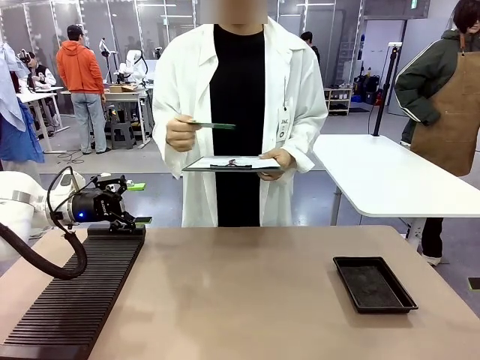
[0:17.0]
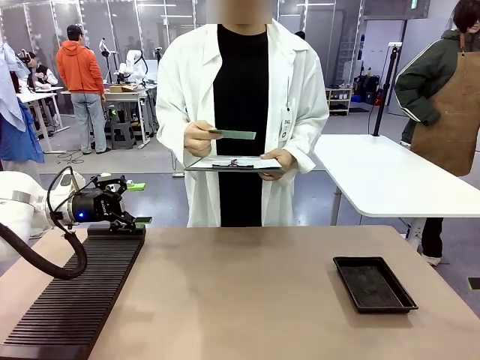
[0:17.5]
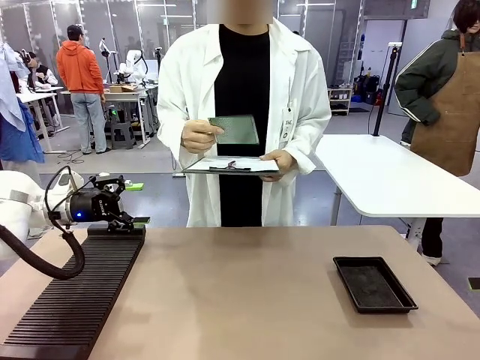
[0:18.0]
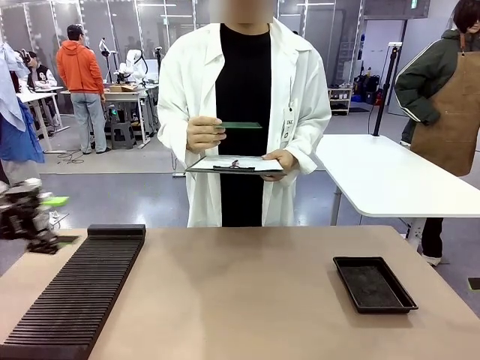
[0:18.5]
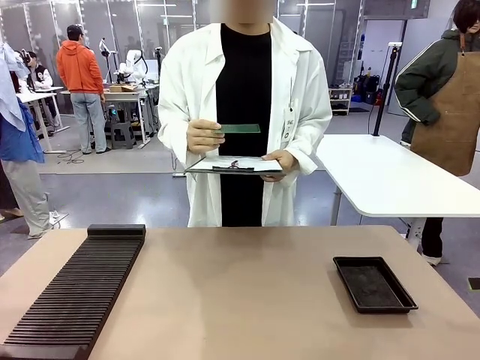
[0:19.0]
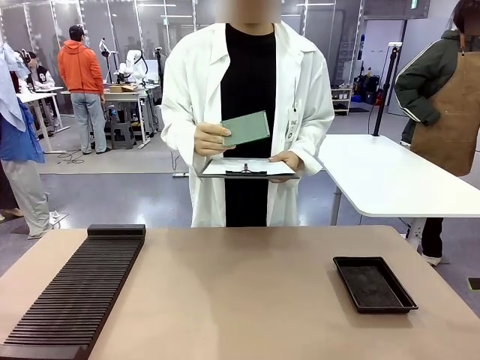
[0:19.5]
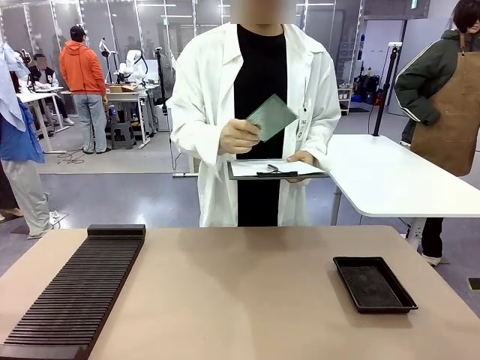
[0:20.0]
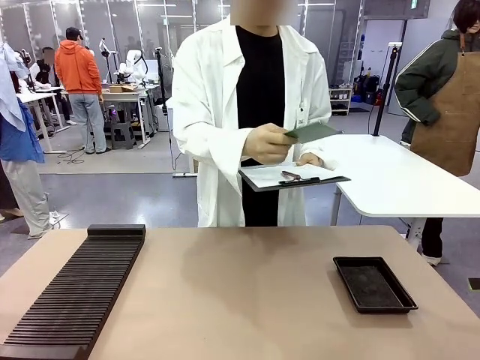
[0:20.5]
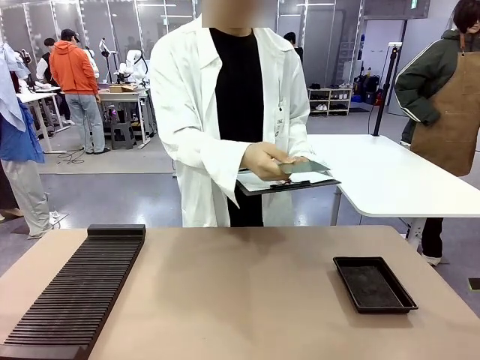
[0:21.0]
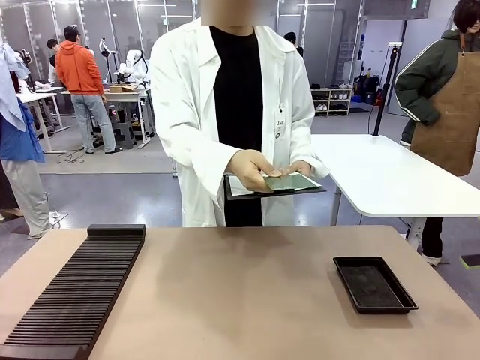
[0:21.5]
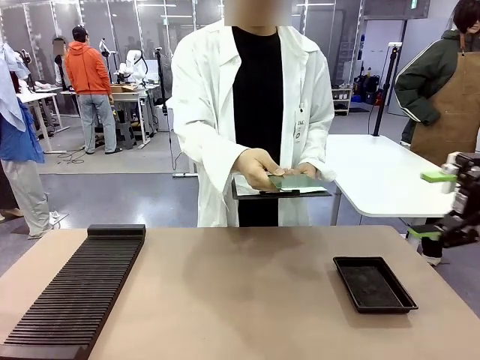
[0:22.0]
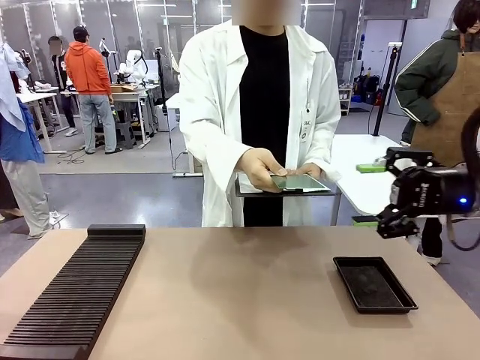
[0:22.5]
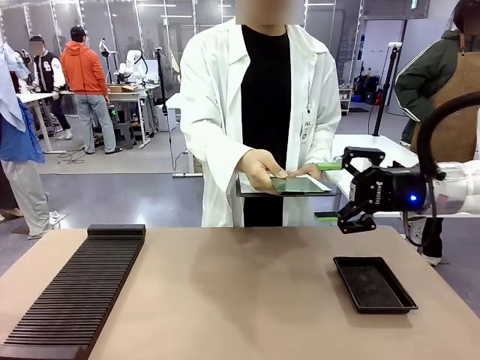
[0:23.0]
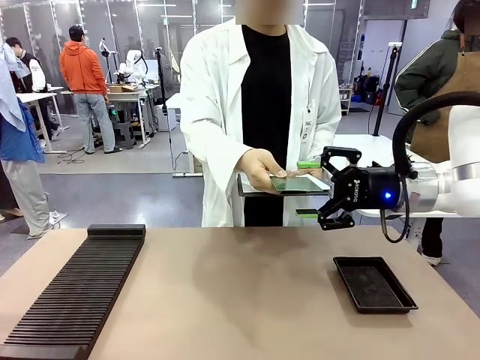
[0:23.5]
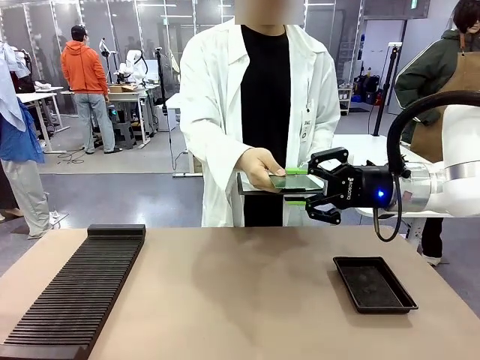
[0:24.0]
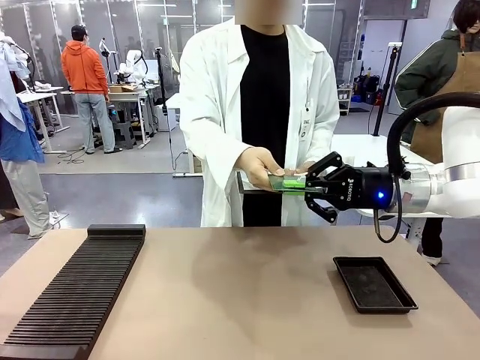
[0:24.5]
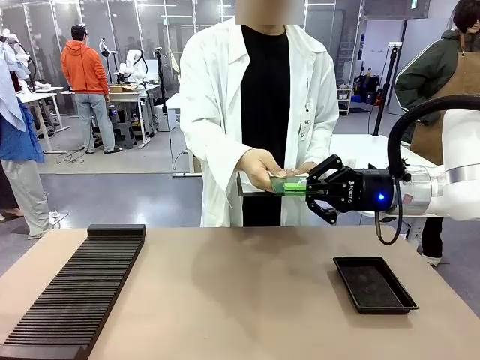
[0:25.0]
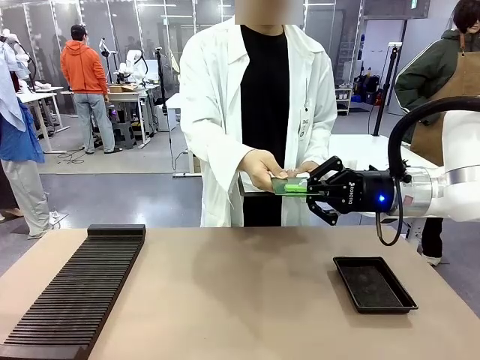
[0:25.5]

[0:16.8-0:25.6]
Task: Inspect the PCB.
Robot: Pick up the Blank PCB that the human is holding.
Person: Inspect the PCB placed by the robot, then hold it out in front of the robot. Release the PCB you were holding.

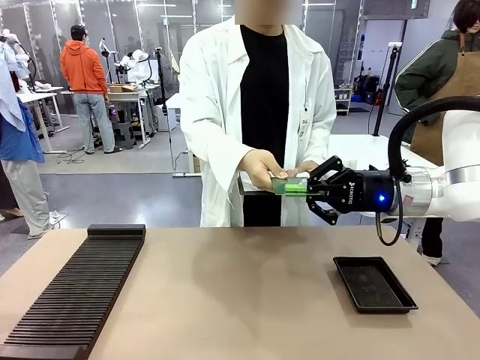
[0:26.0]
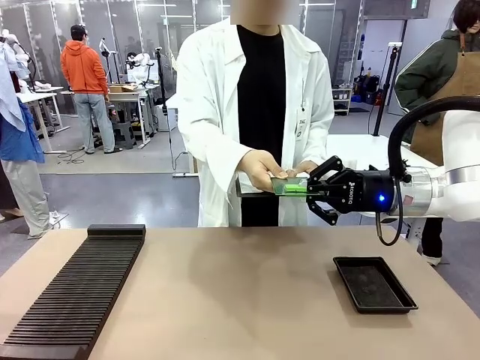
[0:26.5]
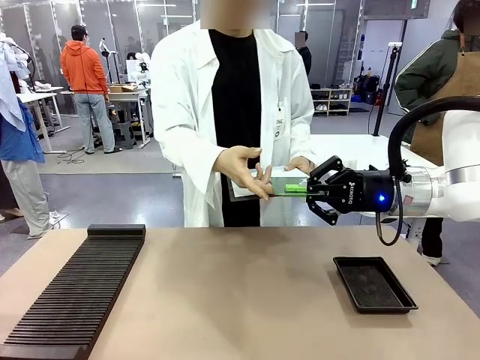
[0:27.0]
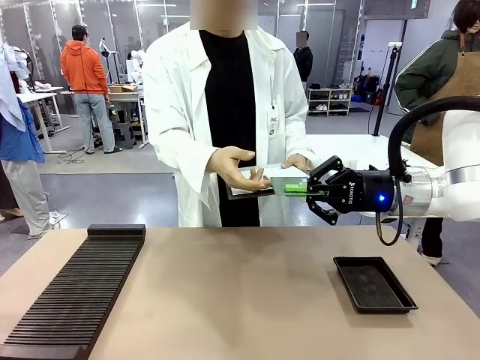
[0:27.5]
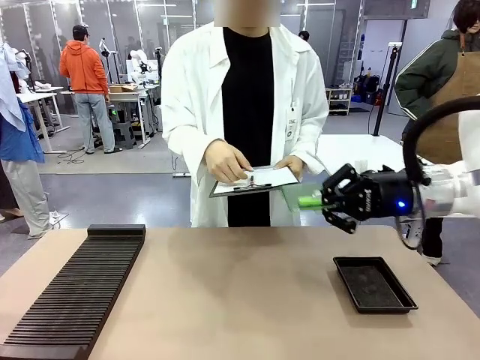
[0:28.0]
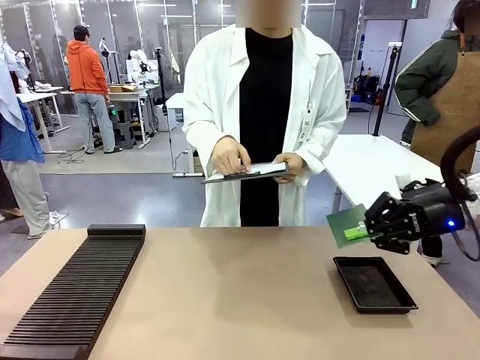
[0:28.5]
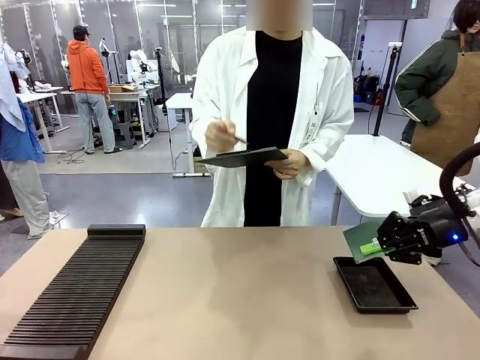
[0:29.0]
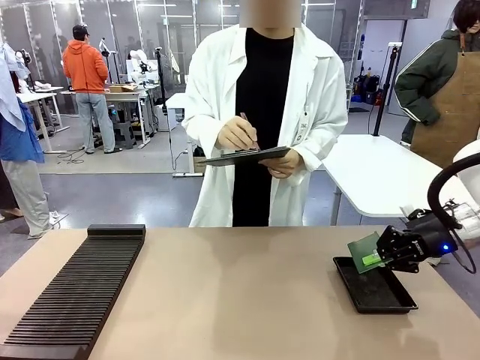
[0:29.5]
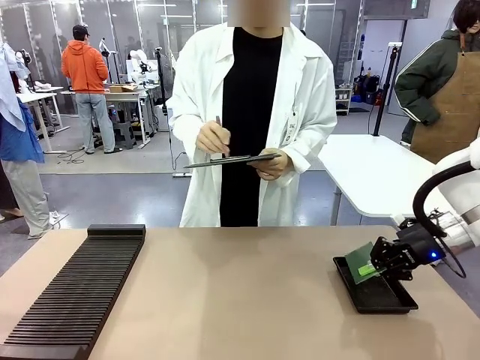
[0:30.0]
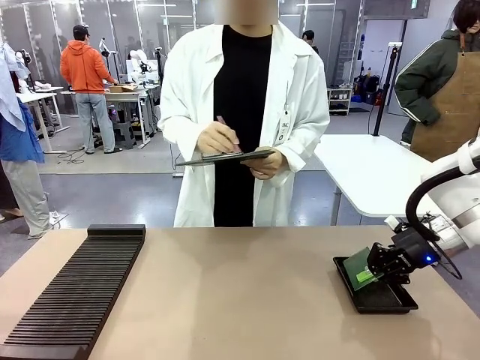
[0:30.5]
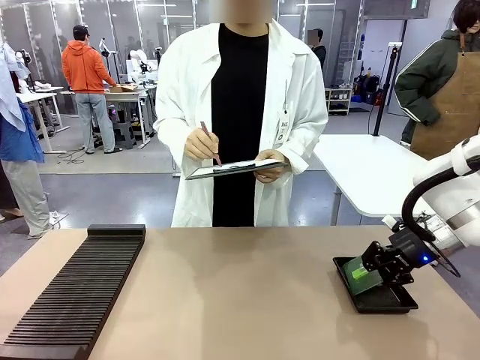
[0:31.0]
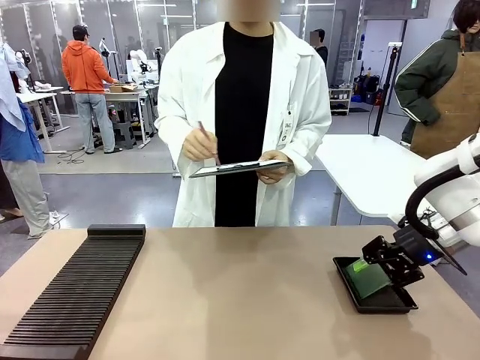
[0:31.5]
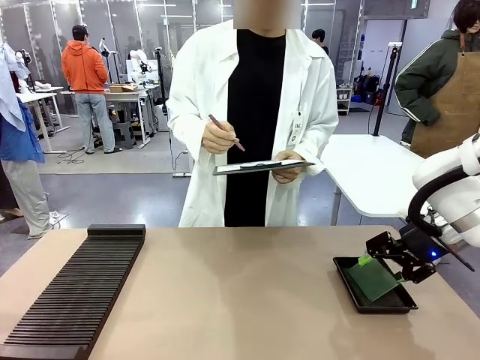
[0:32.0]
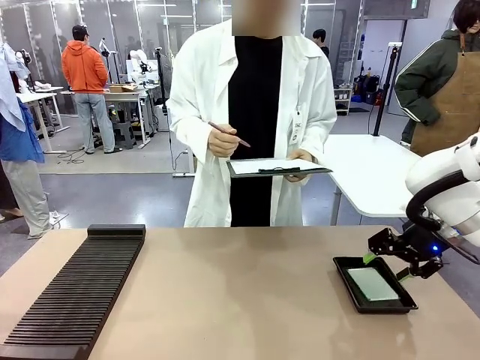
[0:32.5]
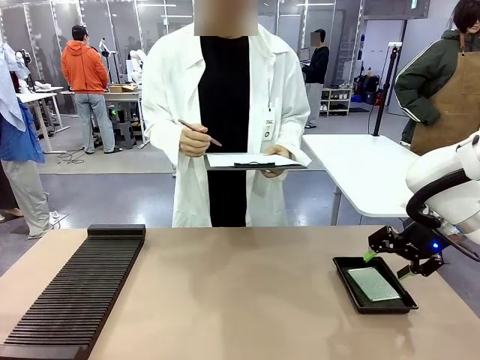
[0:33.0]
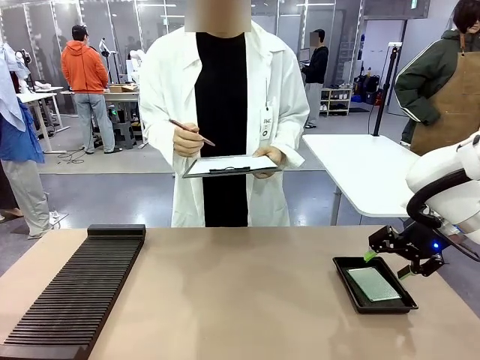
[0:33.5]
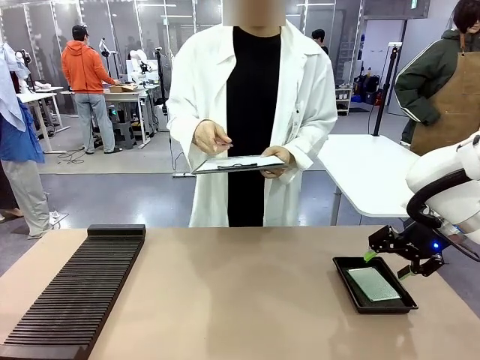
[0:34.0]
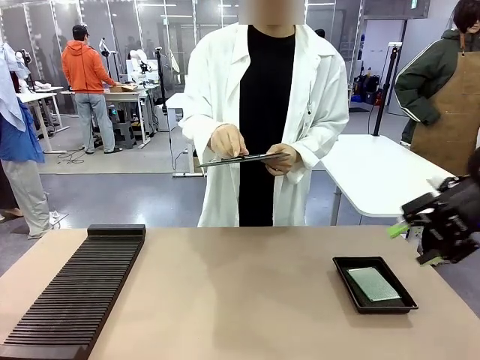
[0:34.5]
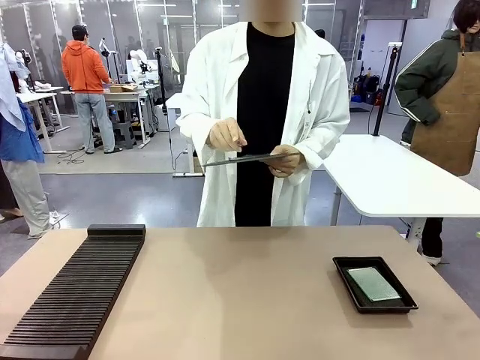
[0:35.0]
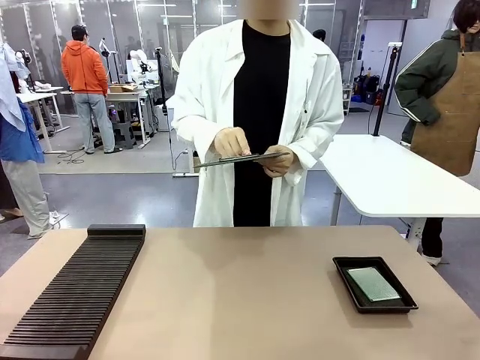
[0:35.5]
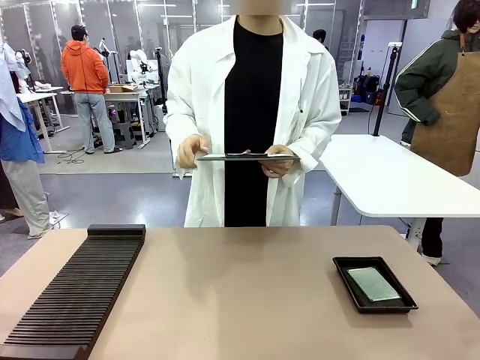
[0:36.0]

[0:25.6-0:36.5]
Robot: Place the Blank PCB in the ESD tray.
Person: Record the PCB status on the paper.

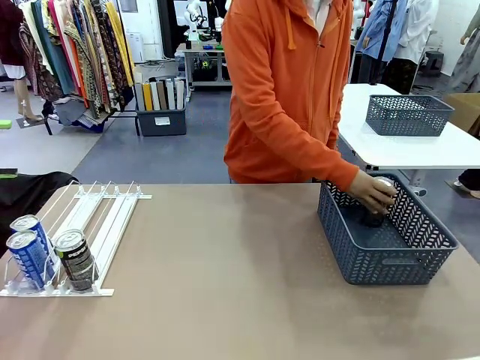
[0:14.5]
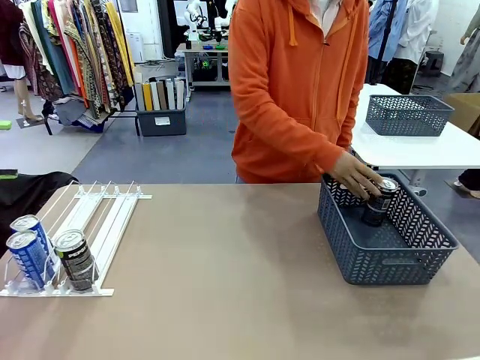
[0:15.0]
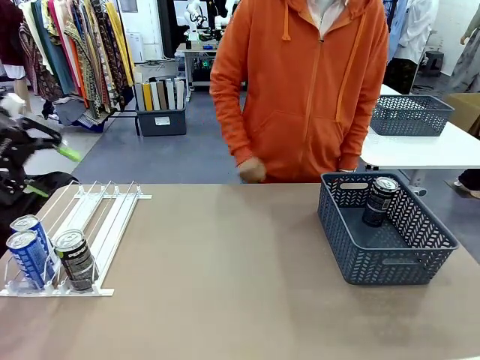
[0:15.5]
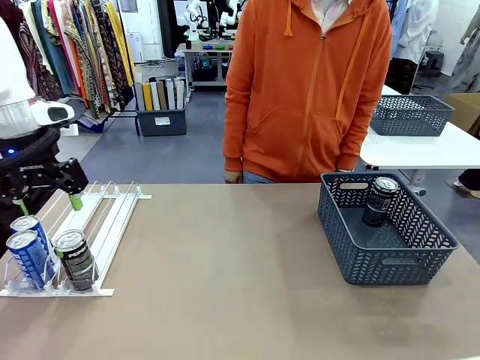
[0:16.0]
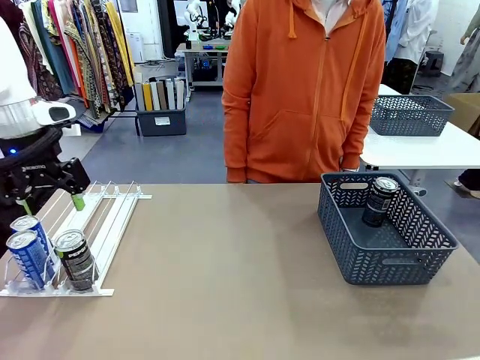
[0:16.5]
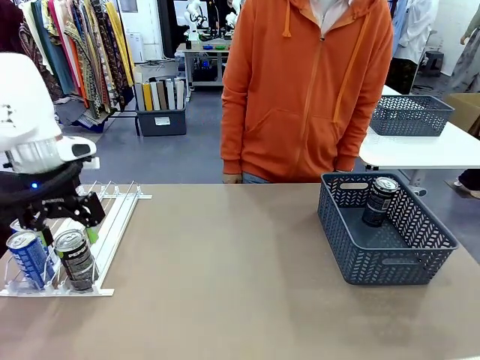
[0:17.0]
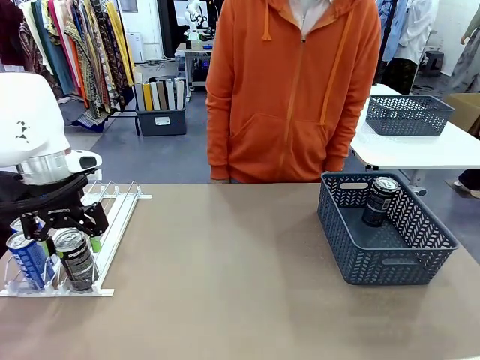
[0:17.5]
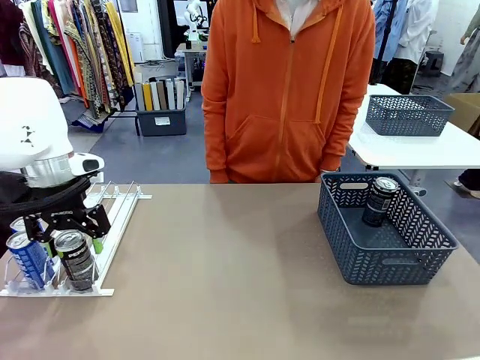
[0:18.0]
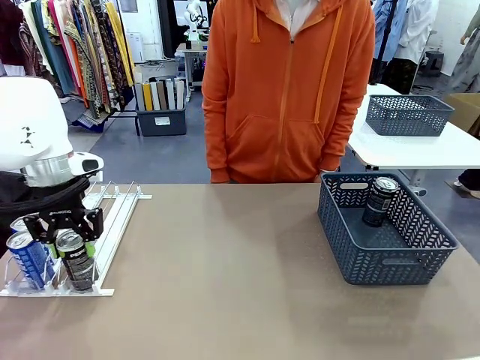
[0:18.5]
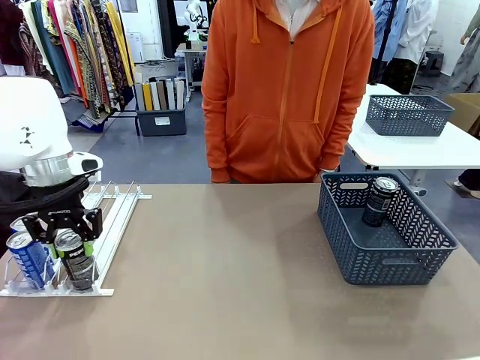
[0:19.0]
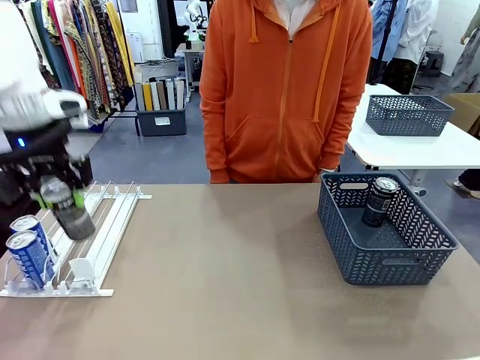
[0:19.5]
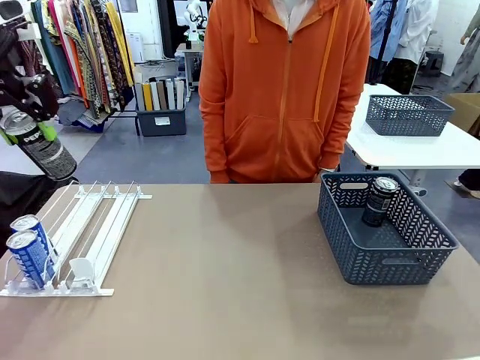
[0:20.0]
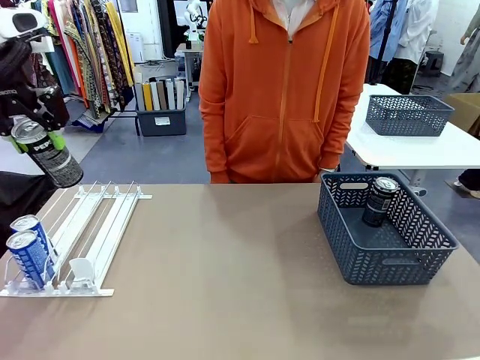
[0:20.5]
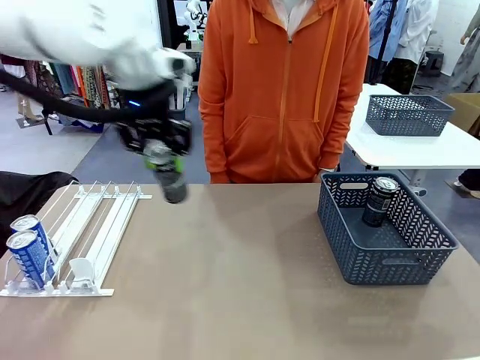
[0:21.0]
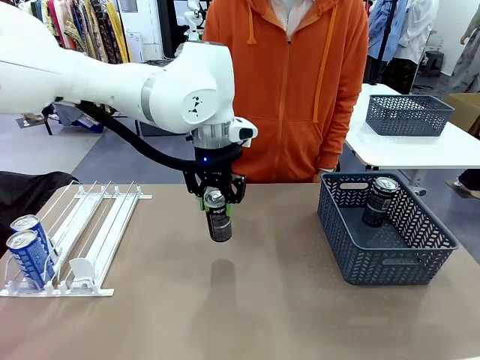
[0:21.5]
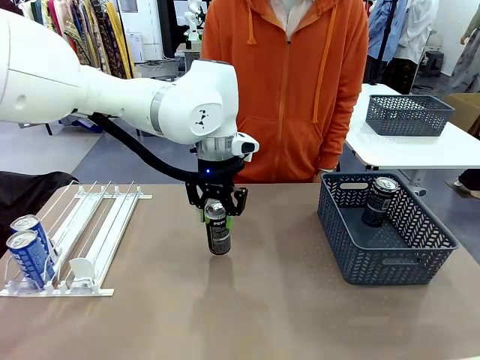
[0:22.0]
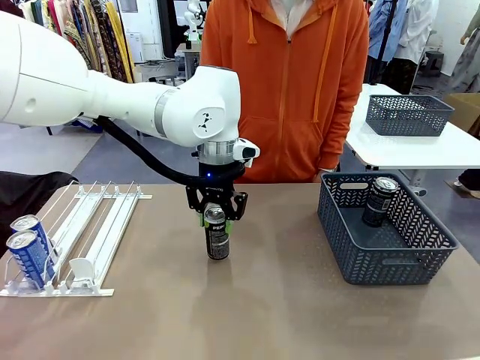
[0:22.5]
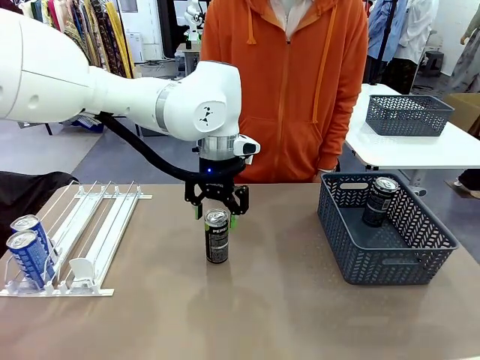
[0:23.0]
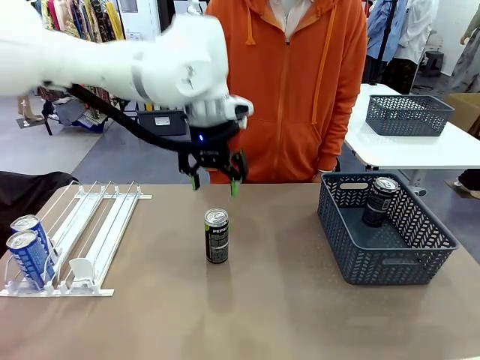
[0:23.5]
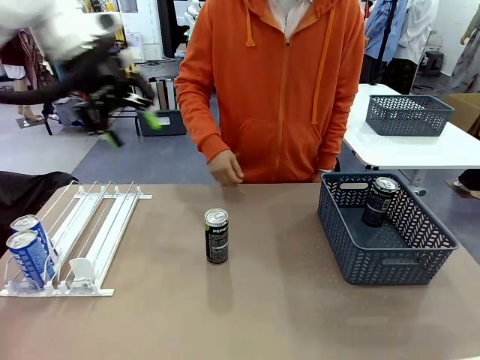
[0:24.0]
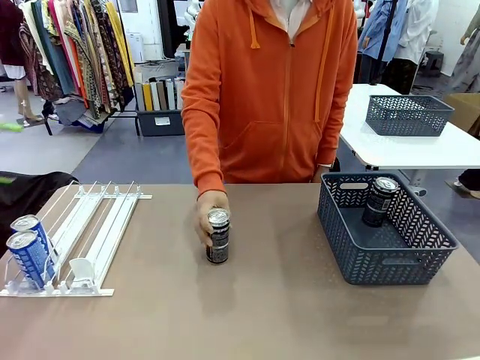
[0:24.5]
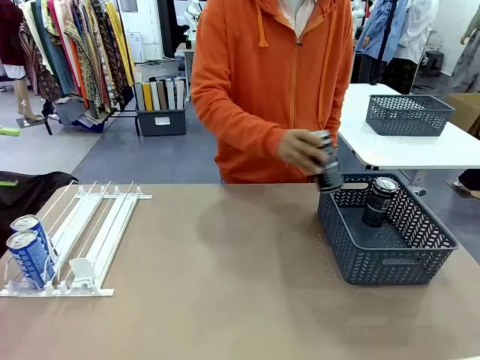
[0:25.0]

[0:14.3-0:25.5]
Task: Retrieve and store the cans from the dispenser.
Robot: Pick up the last remaining can from one row of the Automatic Can Dispenser and place it in the middle of the table.
Person: Pick up one Pepsi can from the middle of the robot table and place it in the basket.
